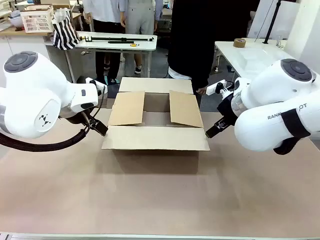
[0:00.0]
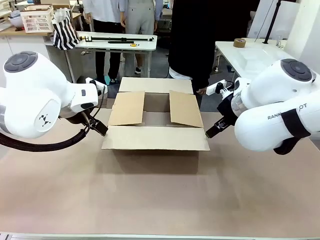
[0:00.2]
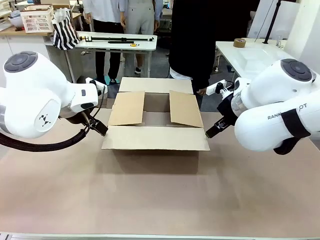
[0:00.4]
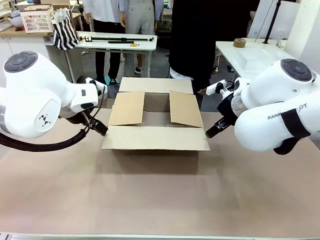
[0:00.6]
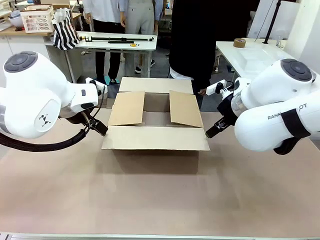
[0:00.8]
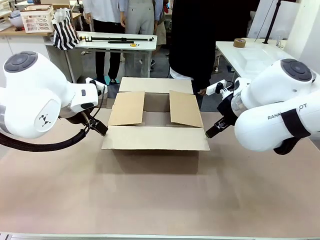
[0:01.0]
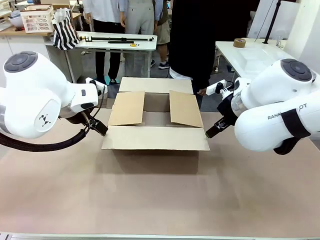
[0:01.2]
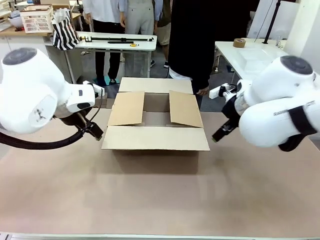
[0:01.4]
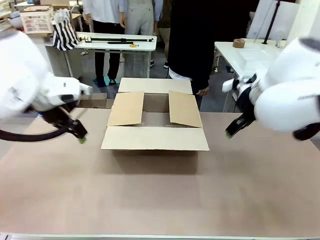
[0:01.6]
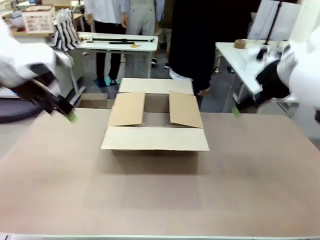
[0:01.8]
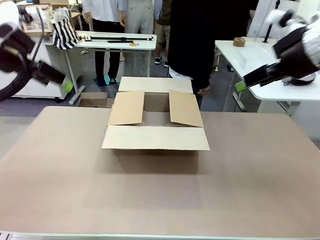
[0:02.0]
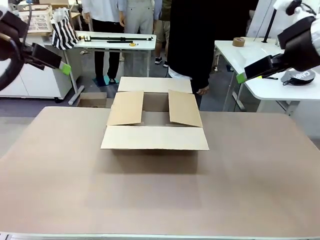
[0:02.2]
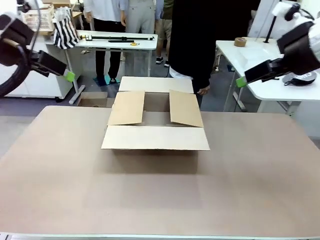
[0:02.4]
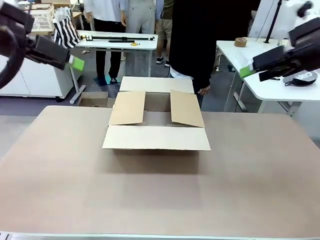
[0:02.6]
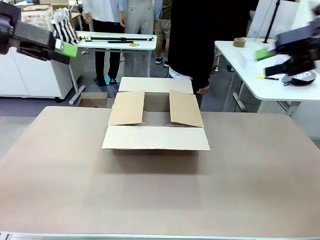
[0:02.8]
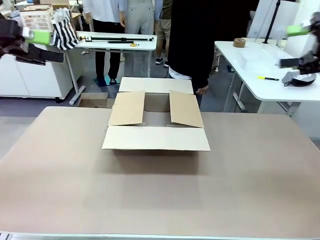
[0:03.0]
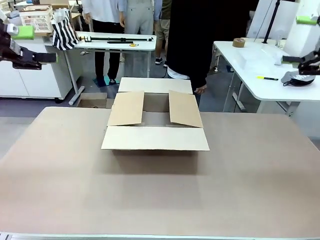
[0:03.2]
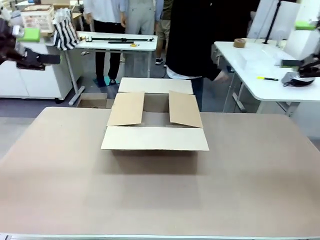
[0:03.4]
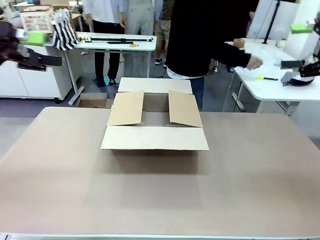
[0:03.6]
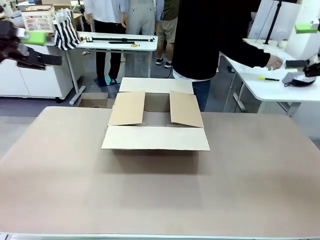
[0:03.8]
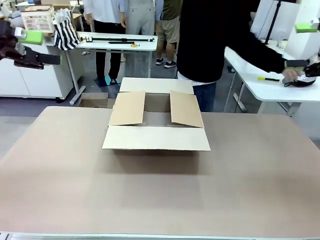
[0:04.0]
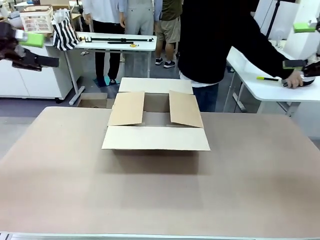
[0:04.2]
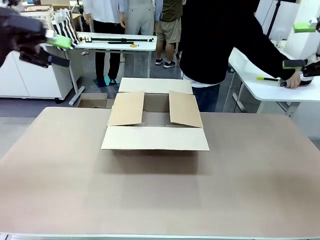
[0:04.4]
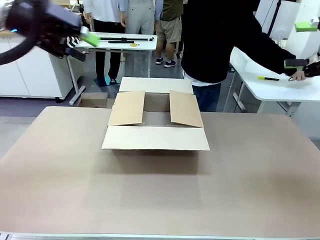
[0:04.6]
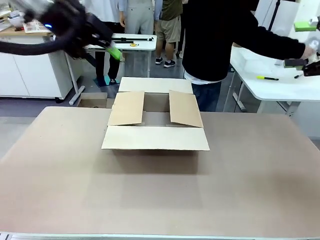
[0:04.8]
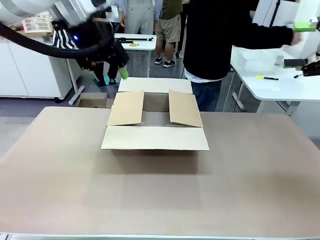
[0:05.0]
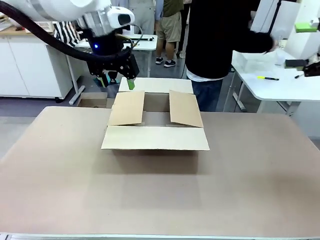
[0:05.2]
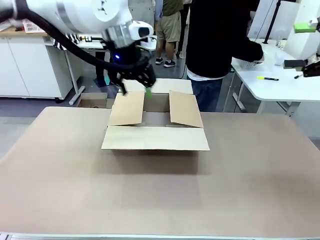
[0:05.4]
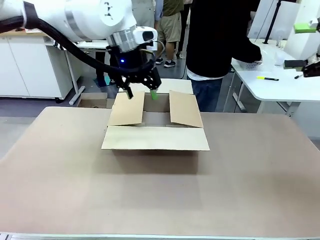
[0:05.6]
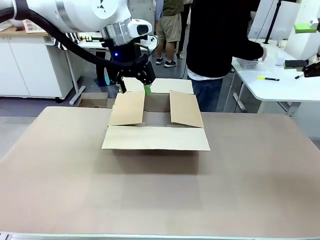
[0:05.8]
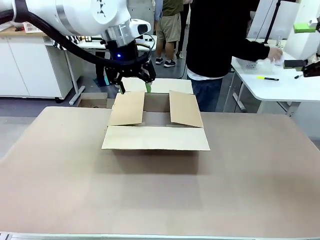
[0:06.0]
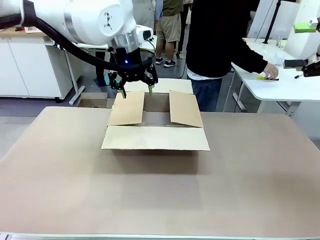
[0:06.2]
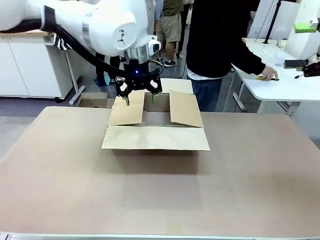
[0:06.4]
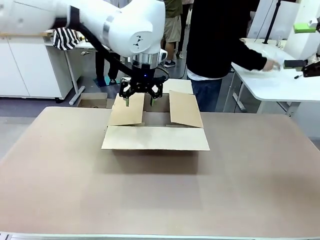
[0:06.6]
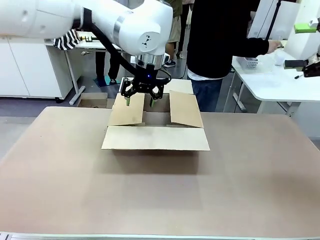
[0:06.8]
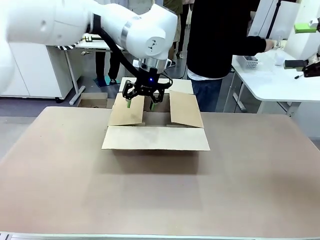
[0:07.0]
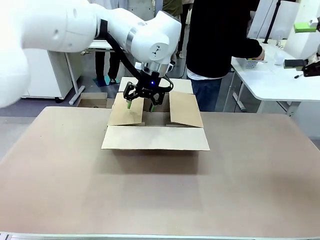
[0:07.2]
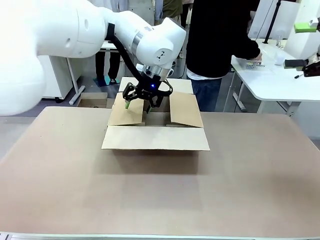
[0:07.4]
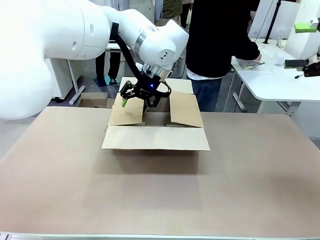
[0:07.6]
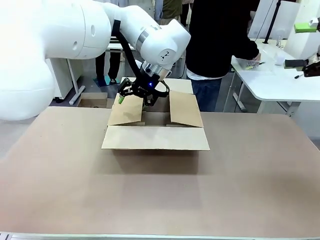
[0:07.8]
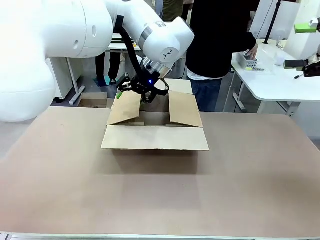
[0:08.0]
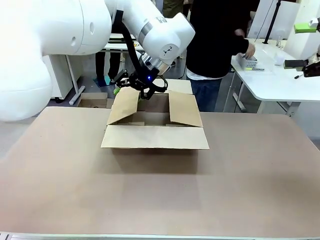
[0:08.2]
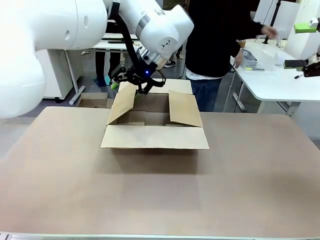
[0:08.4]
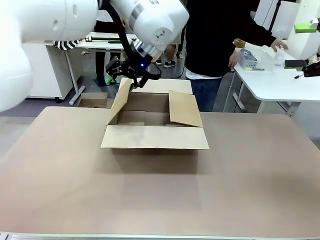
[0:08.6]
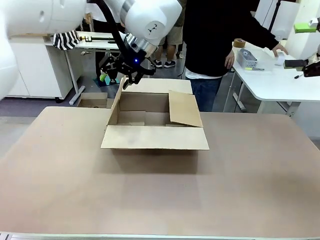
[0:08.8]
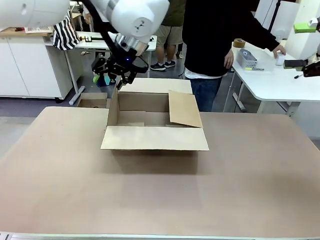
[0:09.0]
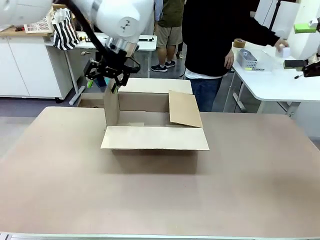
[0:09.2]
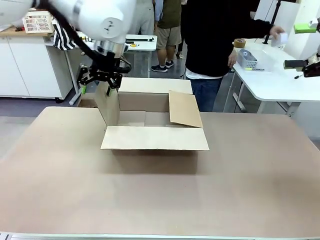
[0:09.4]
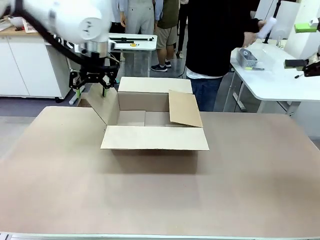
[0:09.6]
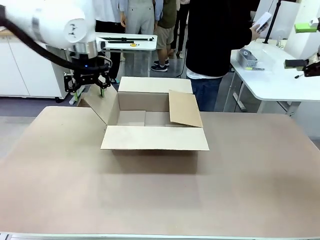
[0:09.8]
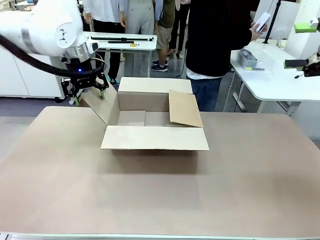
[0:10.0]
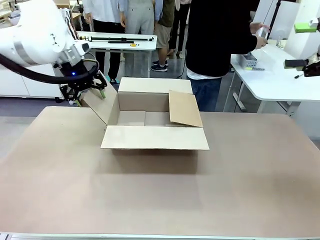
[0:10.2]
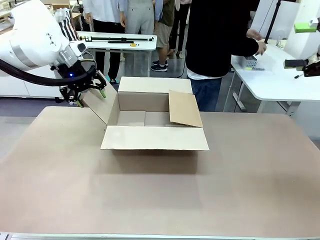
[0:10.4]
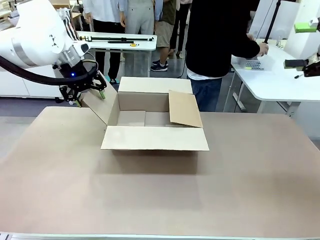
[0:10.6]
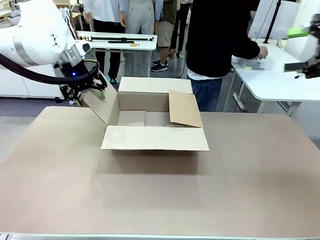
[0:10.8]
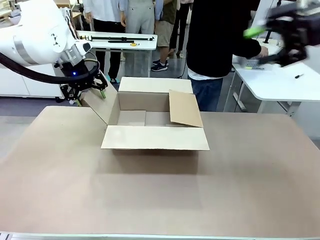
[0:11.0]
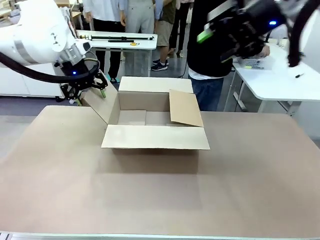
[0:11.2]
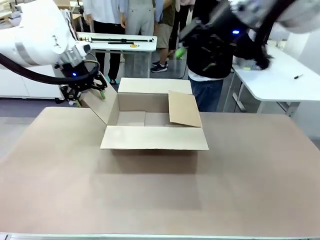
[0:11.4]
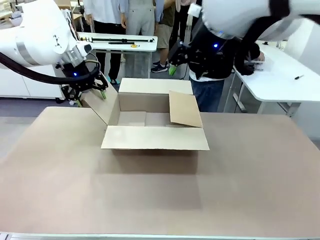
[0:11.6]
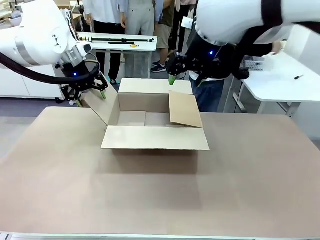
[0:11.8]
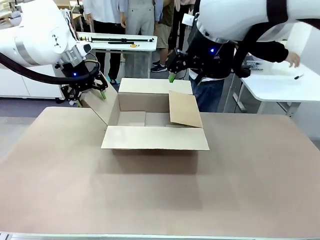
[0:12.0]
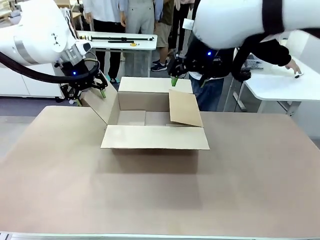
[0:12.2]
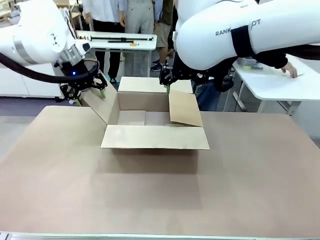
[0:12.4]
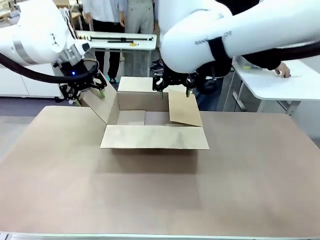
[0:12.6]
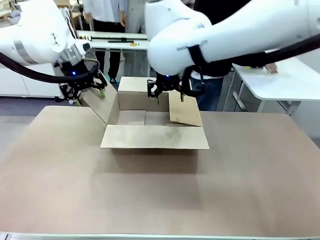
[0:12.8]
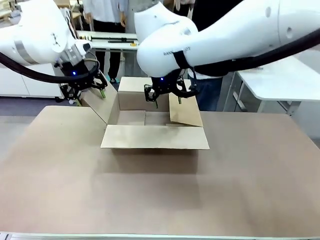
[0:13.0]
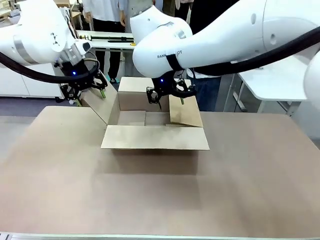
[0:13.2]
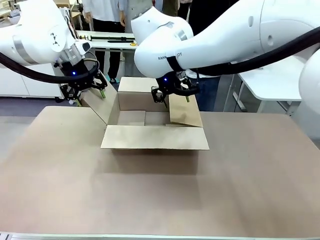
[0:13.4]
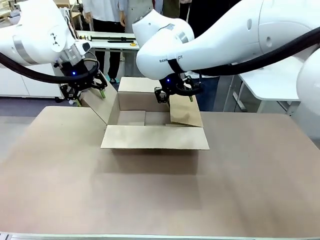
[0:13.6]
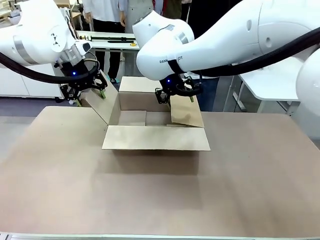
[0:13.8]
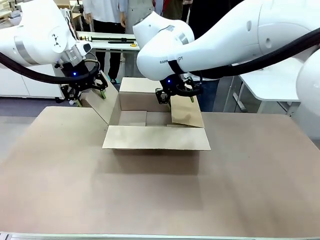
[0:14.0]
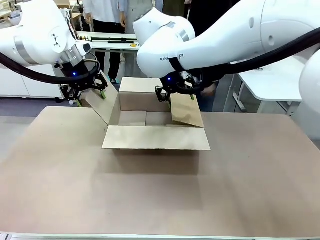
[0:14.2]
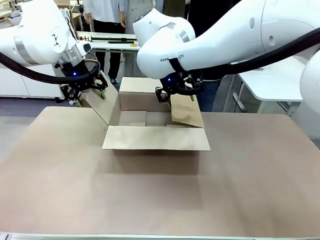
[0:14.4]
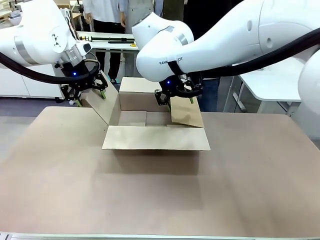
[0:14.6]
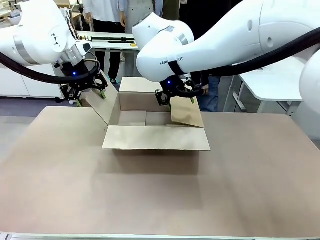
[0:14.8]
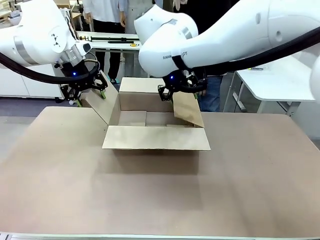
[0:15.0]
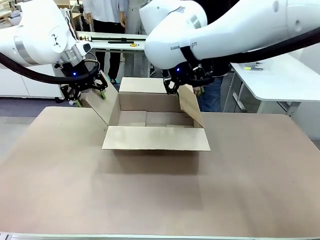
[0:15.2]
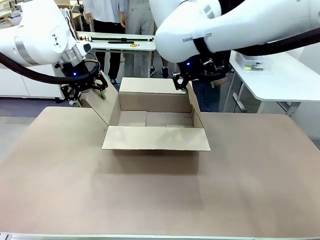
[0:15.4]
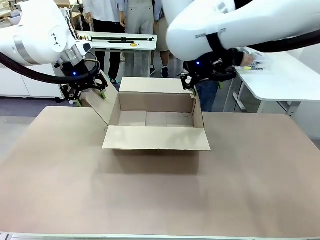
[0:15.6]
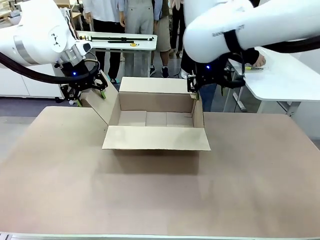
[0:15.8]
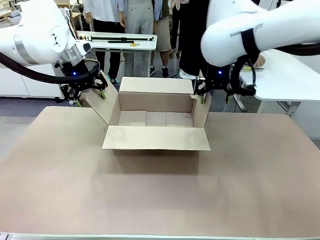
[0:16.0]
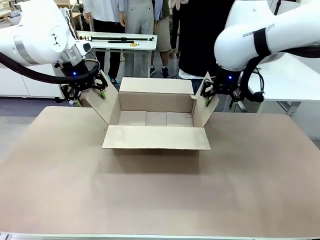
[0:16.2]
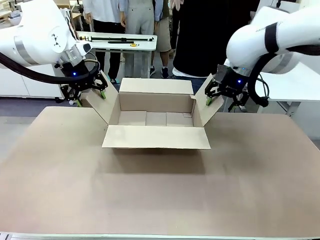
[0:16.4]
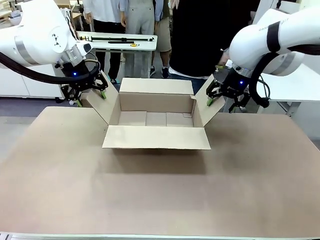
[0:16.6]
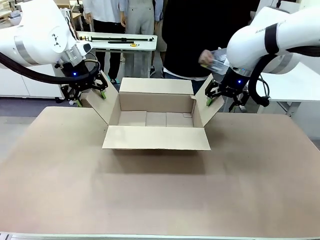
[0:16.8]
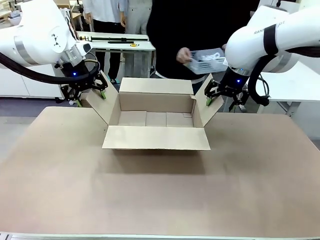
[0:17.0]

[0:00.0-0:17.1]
Task: Pack the gift set into the box.
Robot: Place both hands on the side flaps of the Package Box and spread them outward.
Person: The human places all items except the paper tape into the organizing basket.

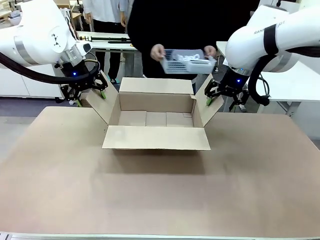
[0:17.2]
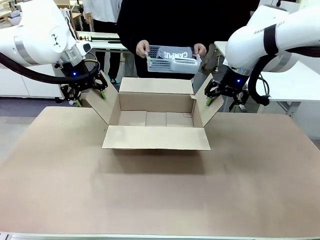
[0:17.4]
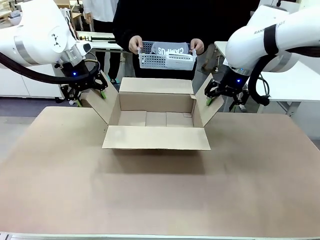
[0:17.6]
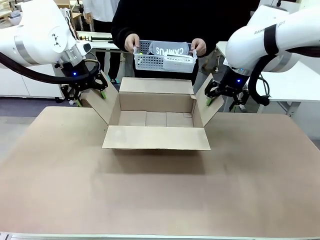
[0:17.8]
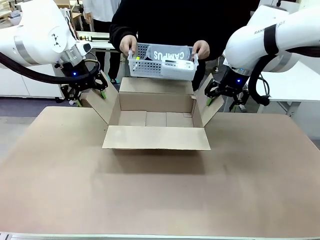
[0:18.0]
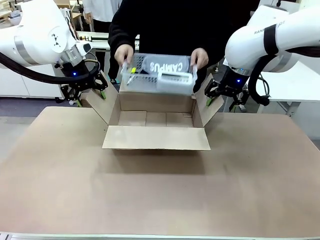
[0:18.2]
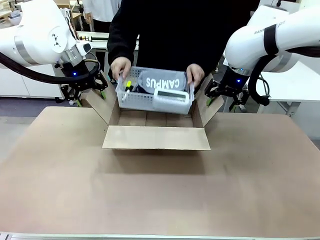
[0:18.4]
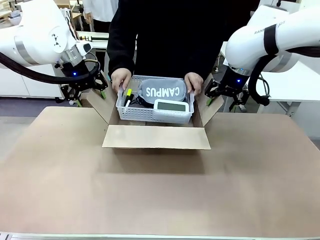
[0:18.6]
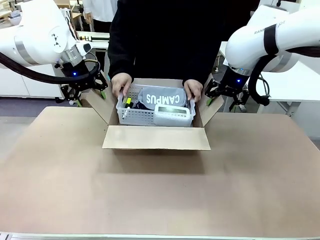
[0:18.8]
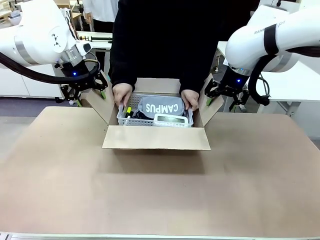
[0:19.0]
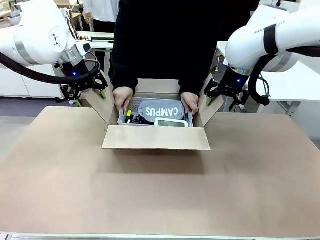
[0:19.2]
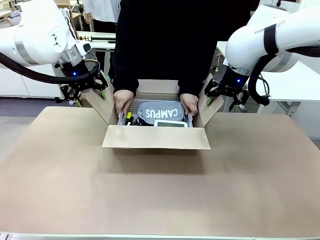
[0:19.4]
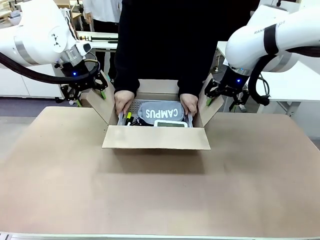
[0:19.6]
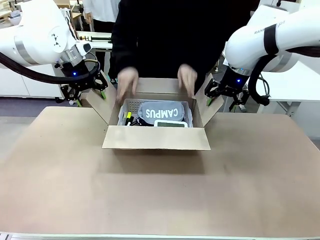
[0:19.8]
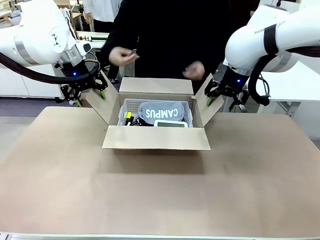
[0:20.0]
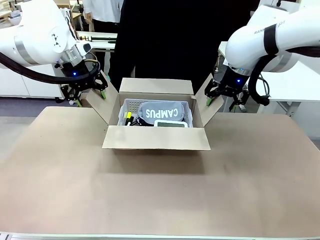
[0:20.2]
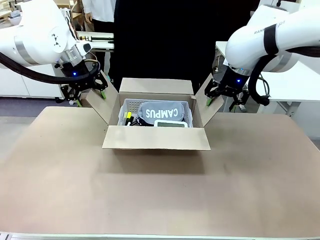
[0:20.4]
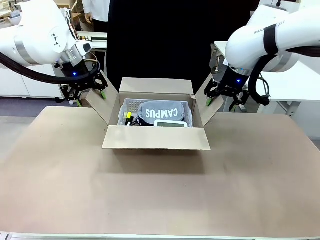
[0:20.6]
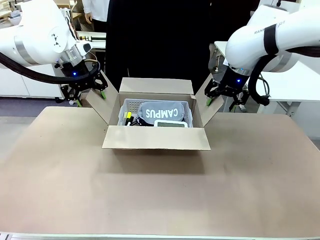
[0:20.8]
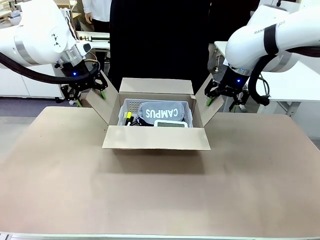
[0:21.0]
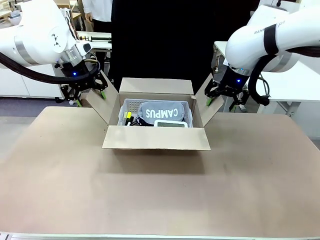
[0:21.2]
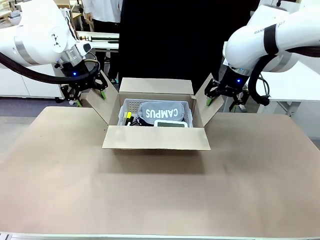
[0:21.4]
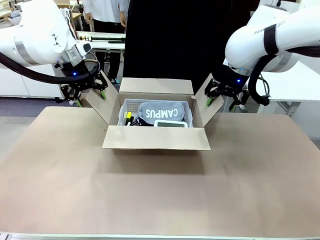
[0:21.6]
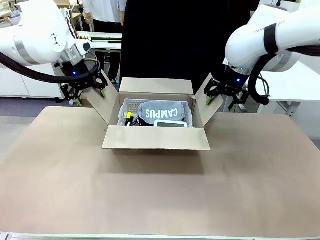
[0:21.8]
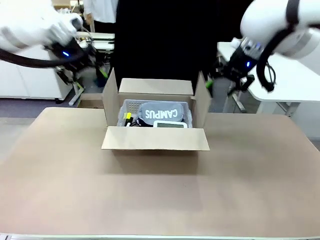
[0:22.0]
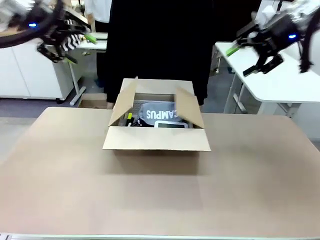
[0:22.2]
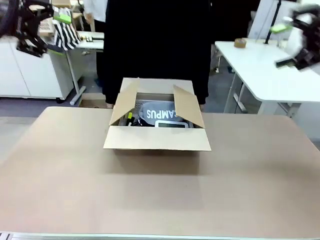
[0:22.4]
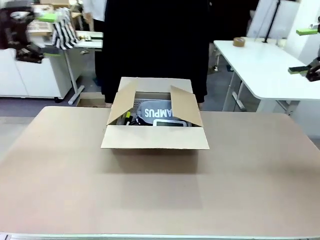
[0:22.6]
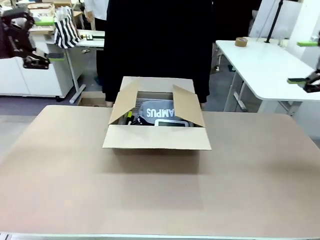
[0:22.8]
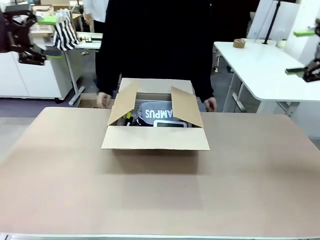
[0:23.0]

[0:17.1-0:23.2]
Robot: Lift both hands away from the flaps of the Package Box.
Person: The human picks up the organizing basket and places the organizing basket into the package box on the robot table.
